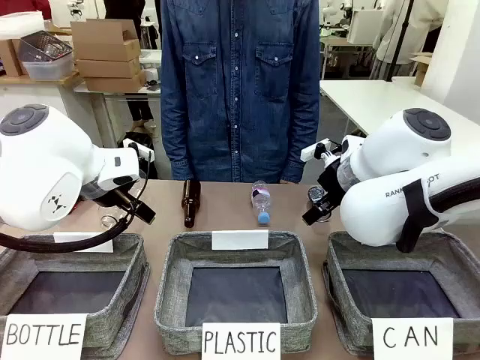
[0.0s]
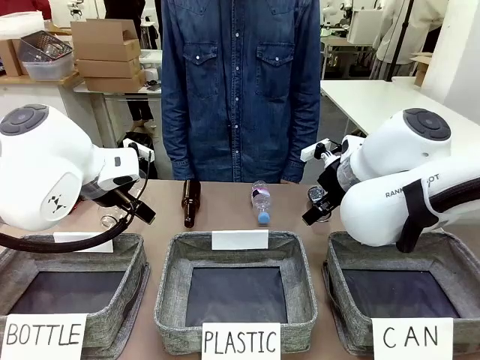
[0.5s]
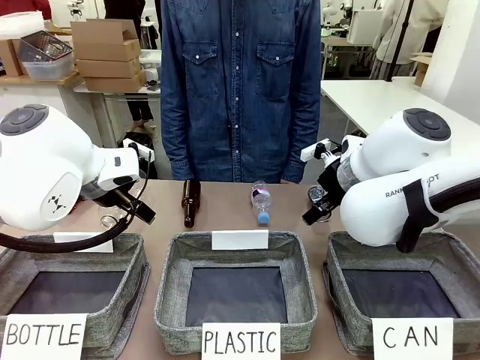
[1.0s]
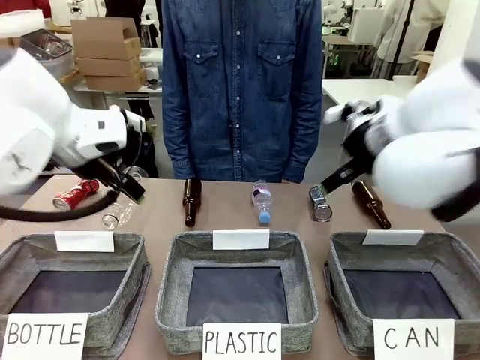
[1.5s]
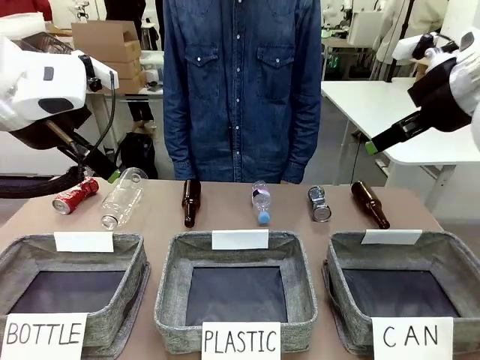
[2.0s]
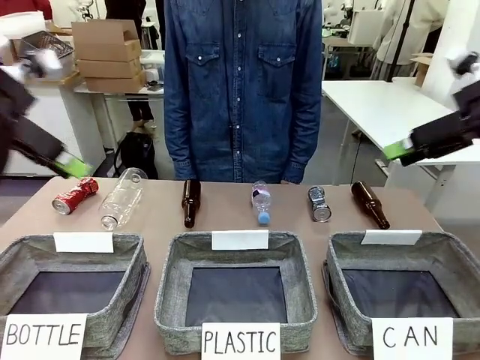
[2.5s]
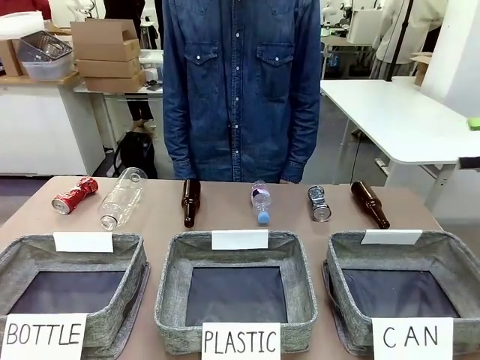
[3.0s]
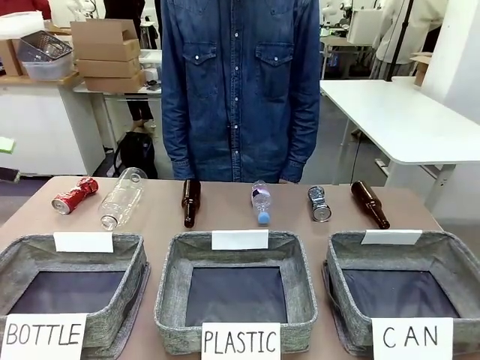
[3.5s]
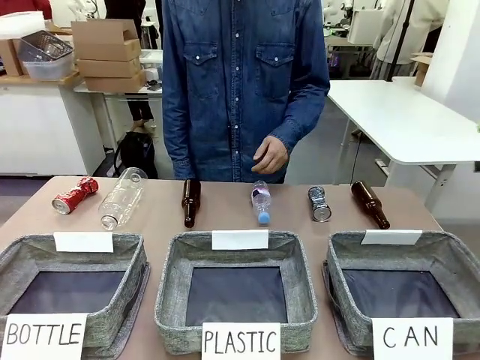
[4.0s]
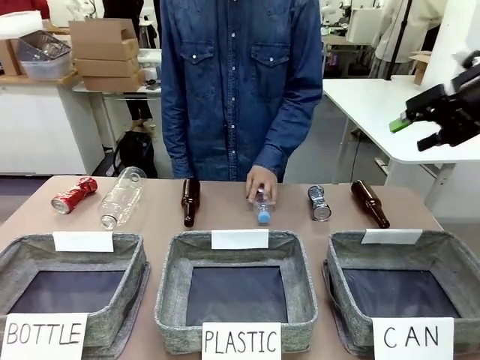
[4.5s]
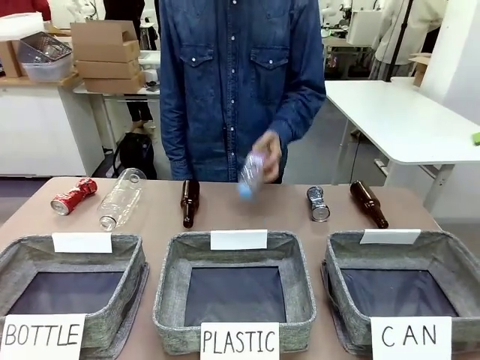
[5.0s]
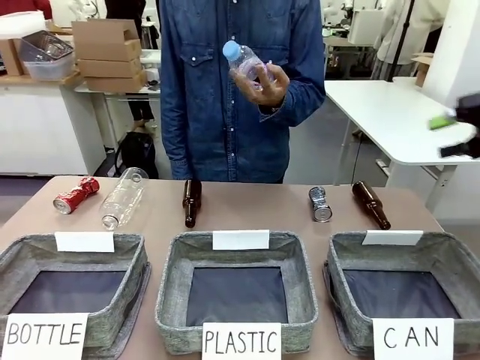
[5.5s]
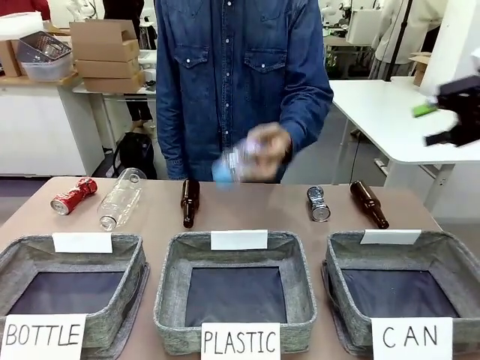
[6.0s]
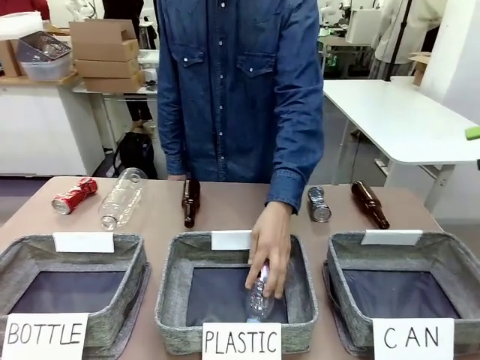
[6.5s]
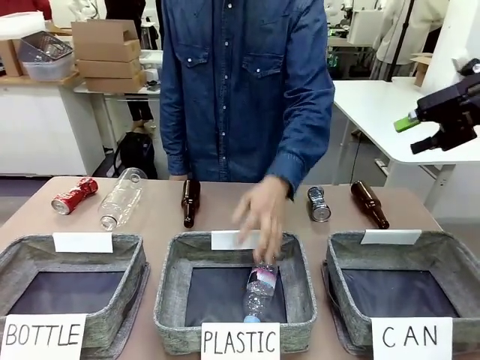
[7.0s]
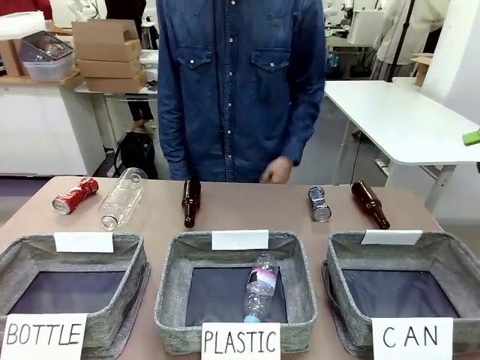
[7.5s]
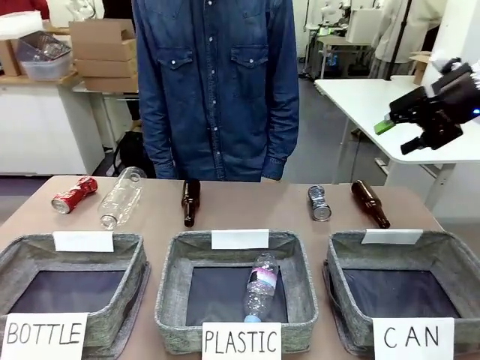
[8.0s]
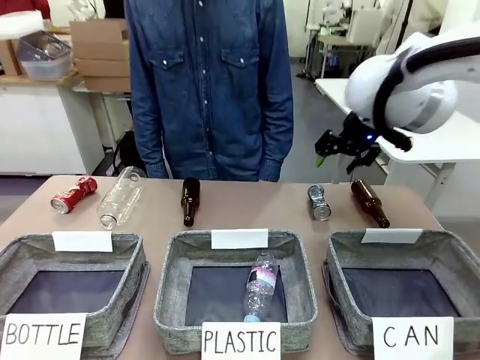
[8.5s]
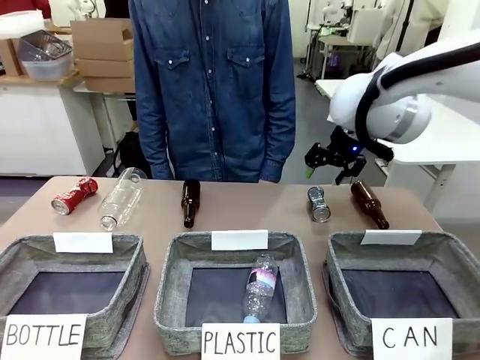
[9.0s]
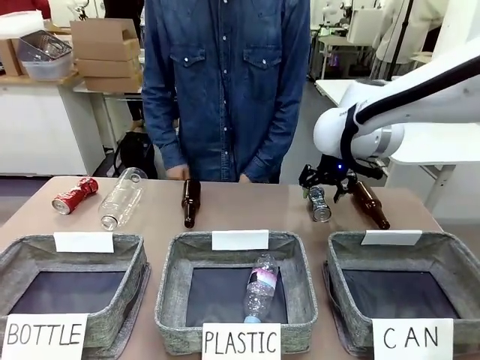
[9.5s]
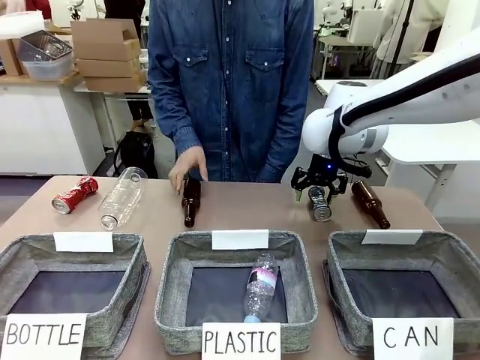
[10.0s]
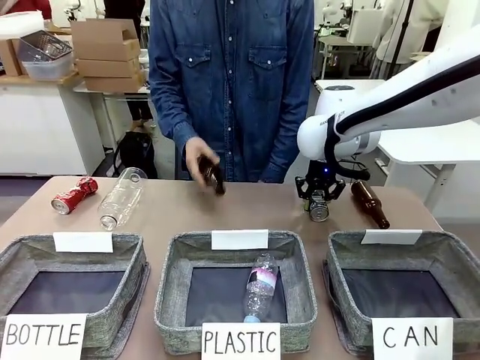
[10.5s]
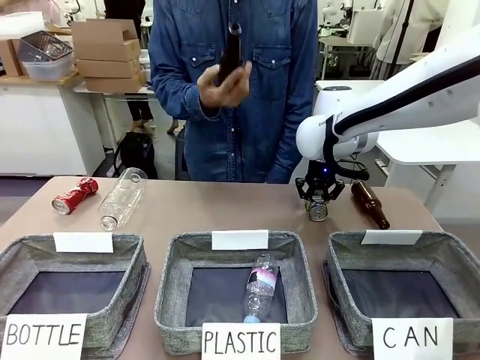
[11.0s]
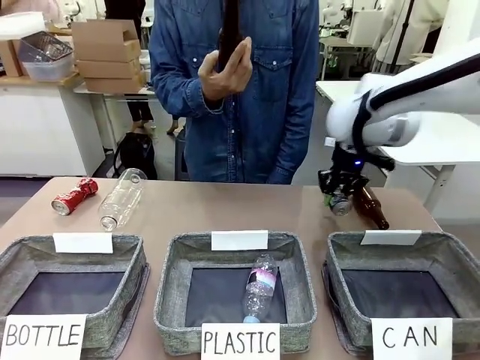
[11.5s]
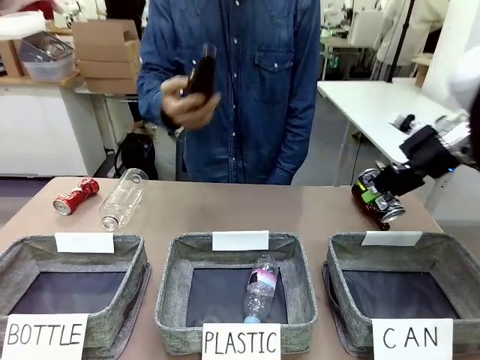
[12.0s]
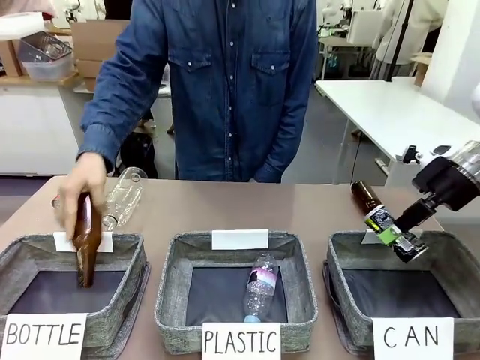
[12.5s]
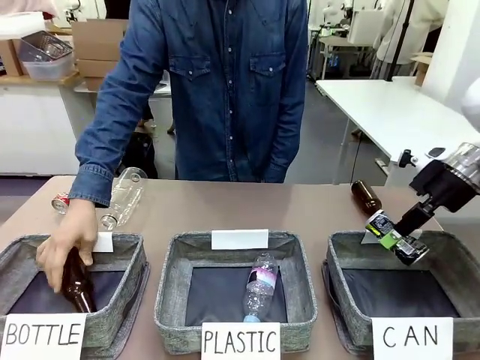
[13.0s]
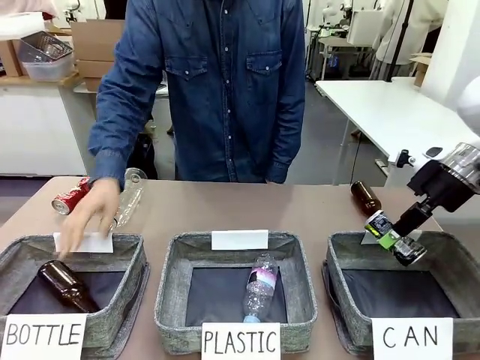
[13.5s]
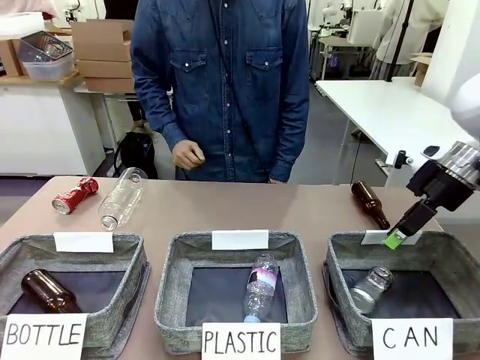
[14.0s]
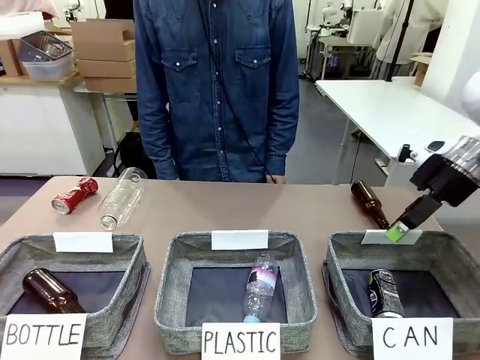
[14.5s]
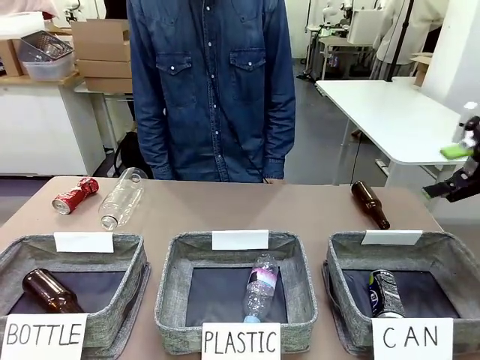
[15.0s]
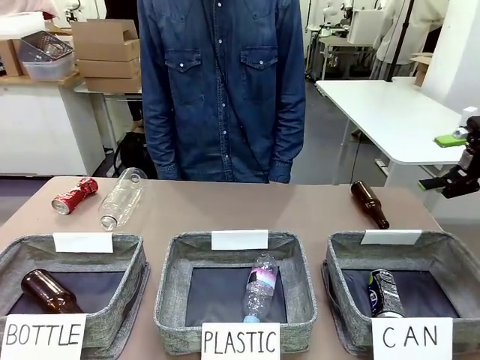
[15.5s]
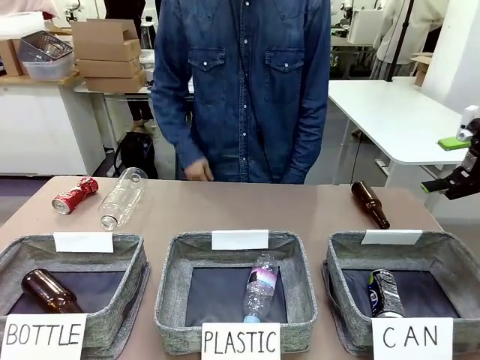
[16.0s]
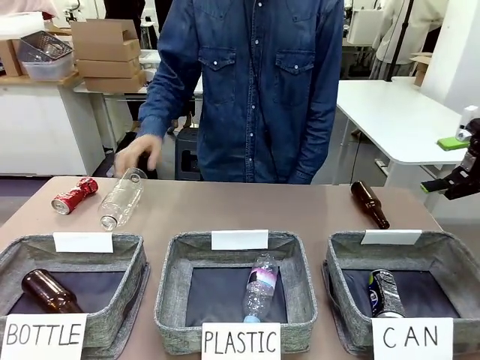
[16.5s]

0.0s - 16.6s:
Task: Sort the can waste into the basket.
Robot: Pick up the can waste from the table and place it in the right Fabric basket.
